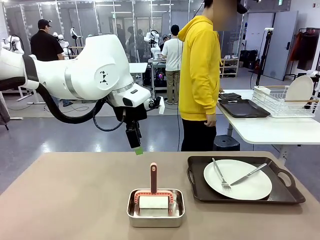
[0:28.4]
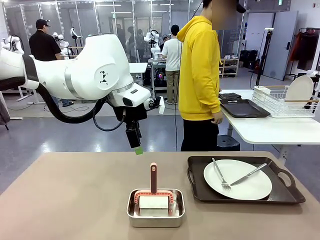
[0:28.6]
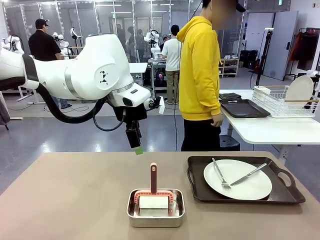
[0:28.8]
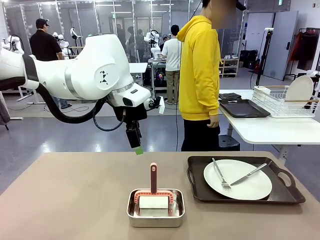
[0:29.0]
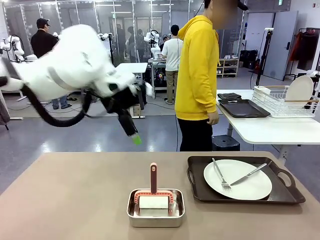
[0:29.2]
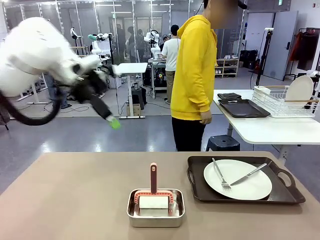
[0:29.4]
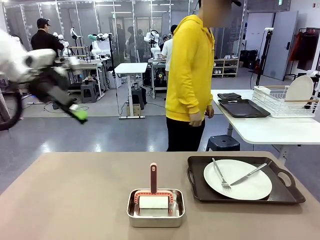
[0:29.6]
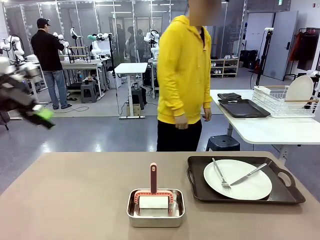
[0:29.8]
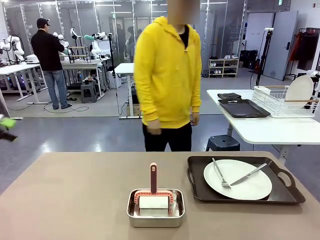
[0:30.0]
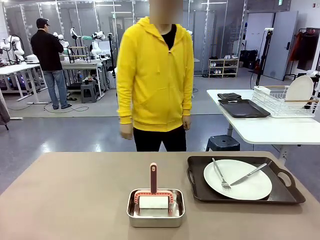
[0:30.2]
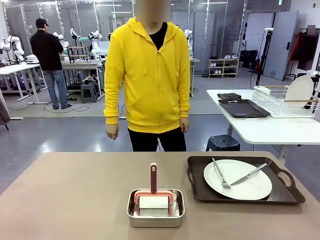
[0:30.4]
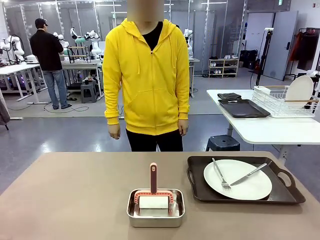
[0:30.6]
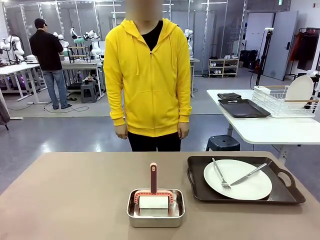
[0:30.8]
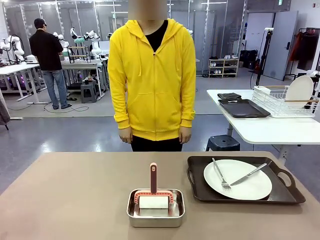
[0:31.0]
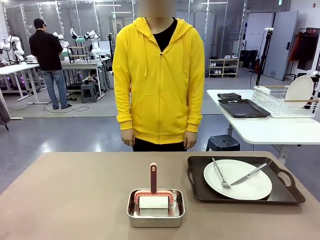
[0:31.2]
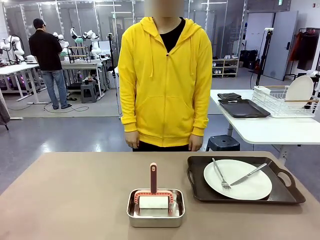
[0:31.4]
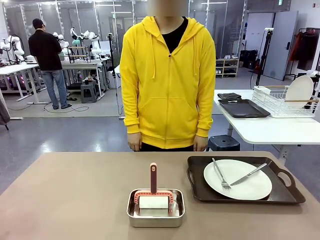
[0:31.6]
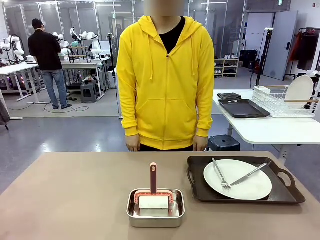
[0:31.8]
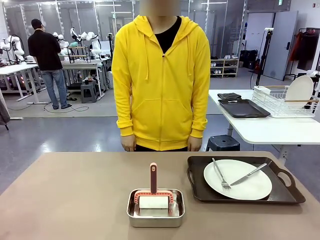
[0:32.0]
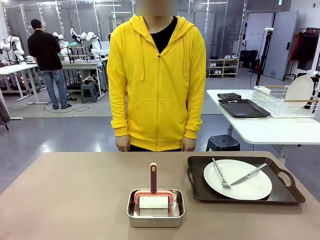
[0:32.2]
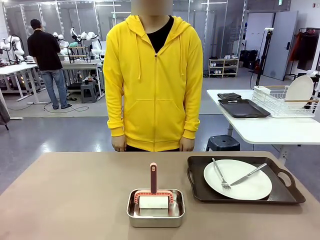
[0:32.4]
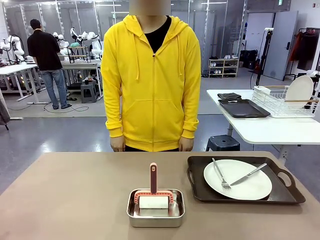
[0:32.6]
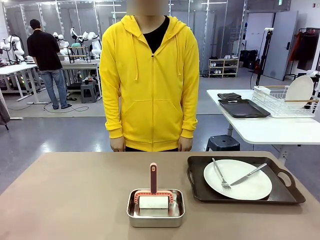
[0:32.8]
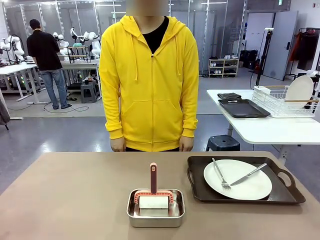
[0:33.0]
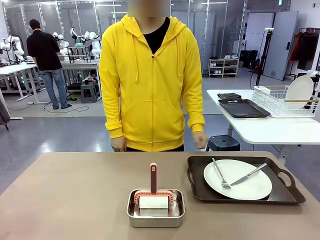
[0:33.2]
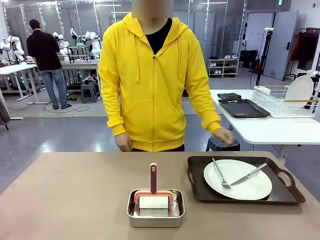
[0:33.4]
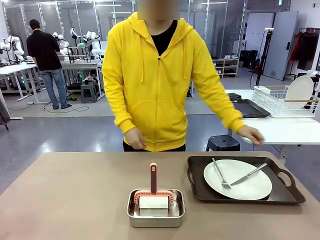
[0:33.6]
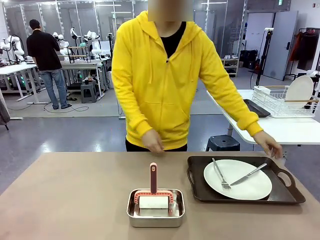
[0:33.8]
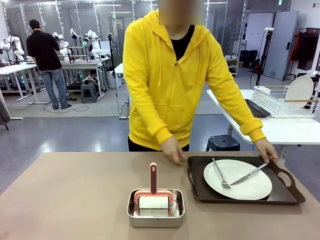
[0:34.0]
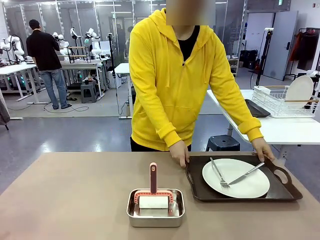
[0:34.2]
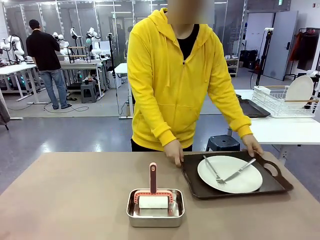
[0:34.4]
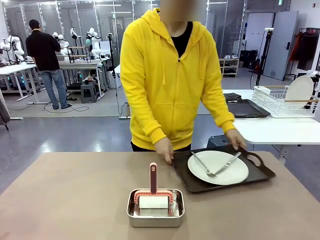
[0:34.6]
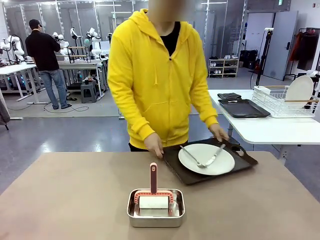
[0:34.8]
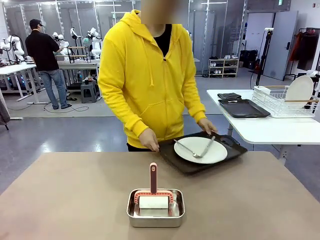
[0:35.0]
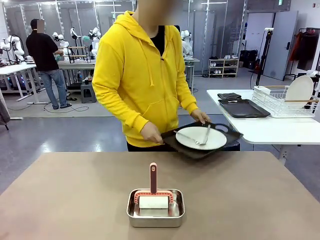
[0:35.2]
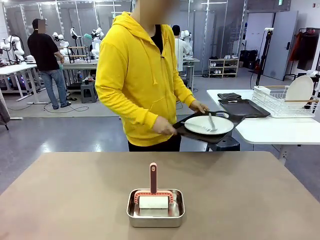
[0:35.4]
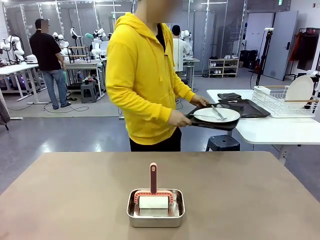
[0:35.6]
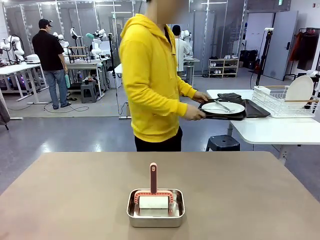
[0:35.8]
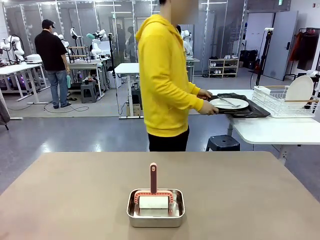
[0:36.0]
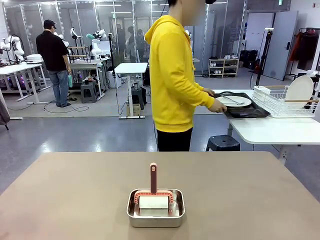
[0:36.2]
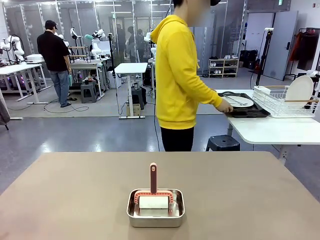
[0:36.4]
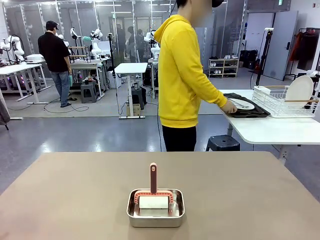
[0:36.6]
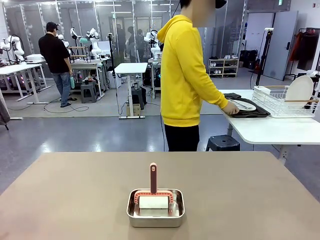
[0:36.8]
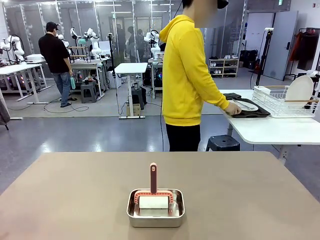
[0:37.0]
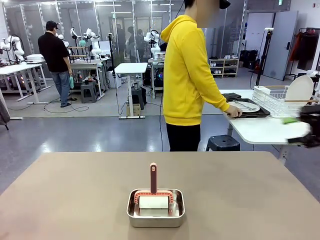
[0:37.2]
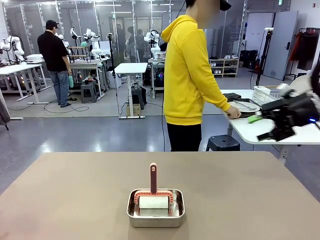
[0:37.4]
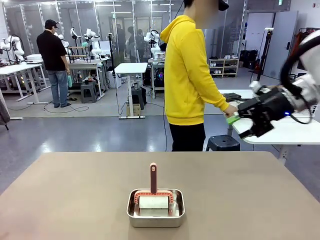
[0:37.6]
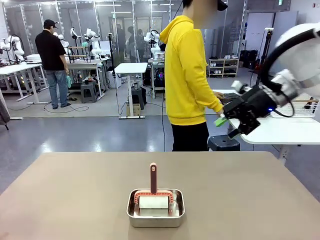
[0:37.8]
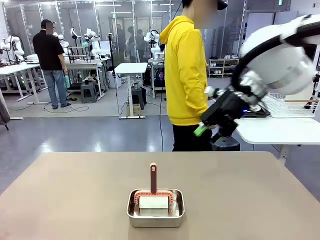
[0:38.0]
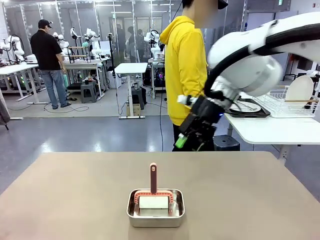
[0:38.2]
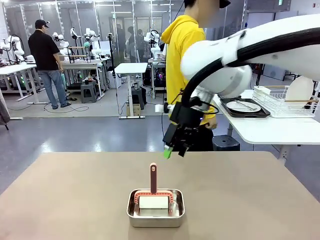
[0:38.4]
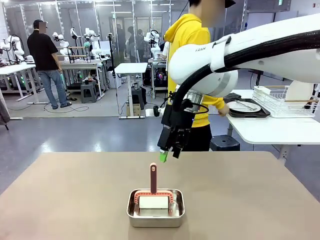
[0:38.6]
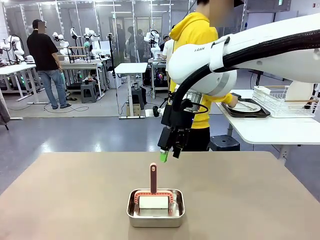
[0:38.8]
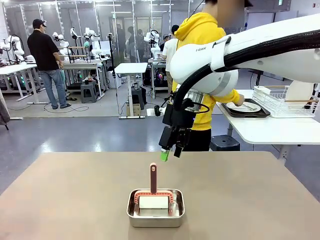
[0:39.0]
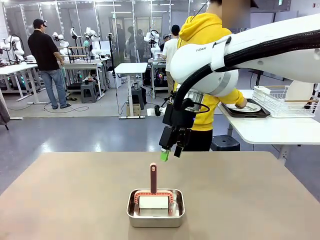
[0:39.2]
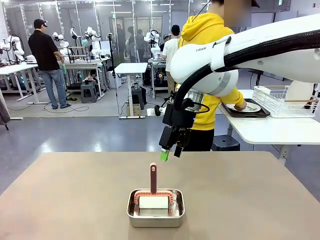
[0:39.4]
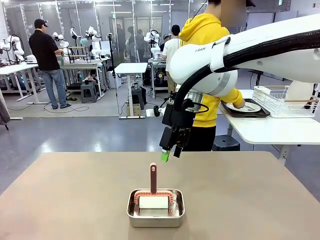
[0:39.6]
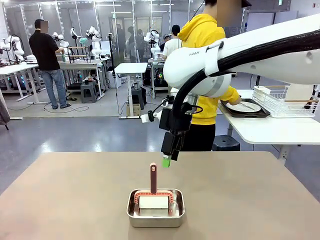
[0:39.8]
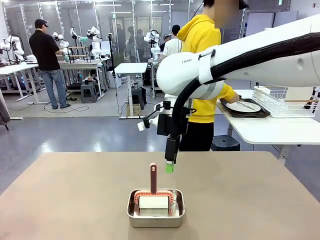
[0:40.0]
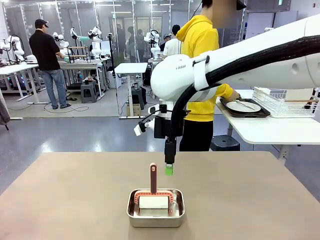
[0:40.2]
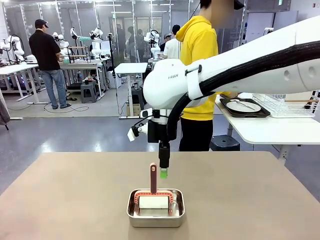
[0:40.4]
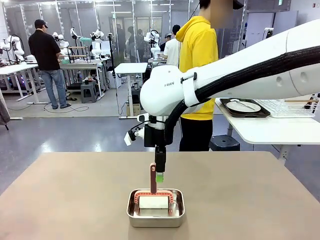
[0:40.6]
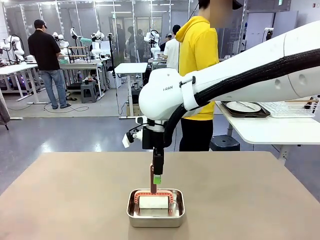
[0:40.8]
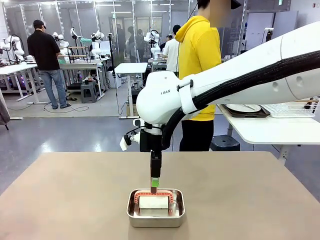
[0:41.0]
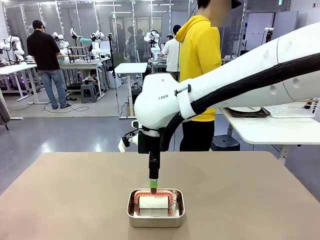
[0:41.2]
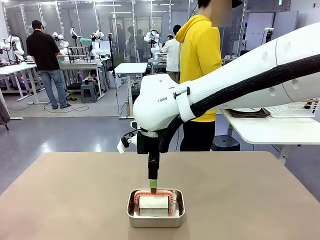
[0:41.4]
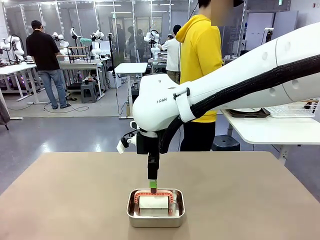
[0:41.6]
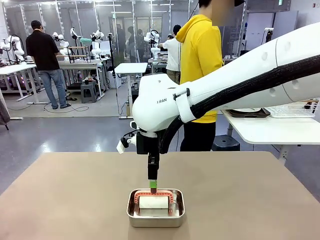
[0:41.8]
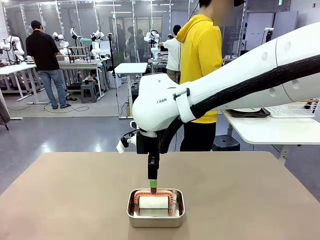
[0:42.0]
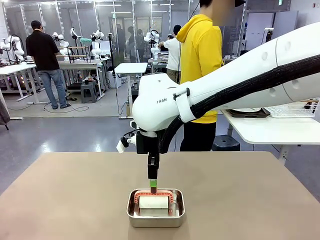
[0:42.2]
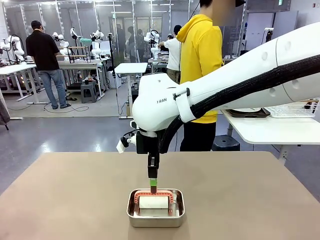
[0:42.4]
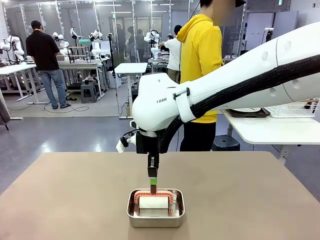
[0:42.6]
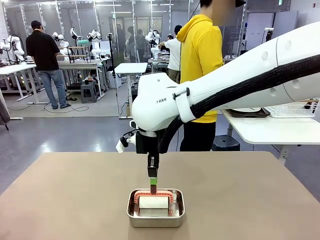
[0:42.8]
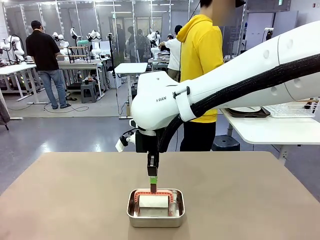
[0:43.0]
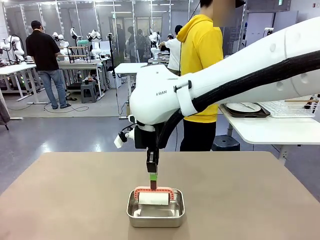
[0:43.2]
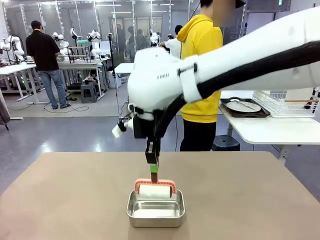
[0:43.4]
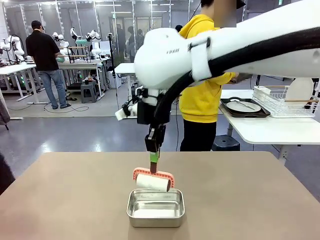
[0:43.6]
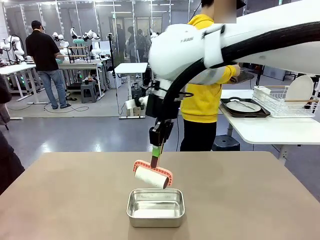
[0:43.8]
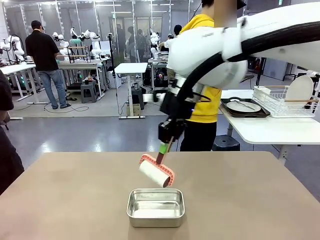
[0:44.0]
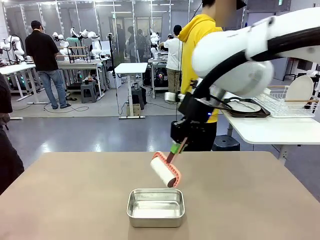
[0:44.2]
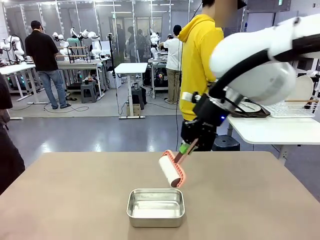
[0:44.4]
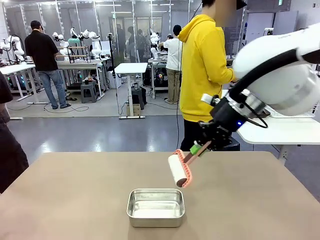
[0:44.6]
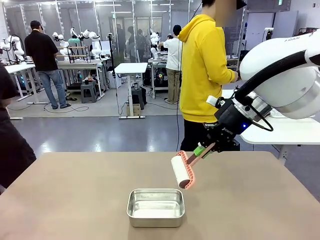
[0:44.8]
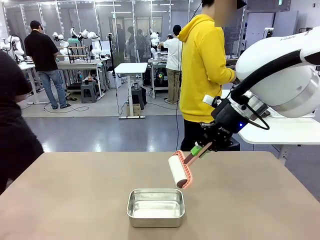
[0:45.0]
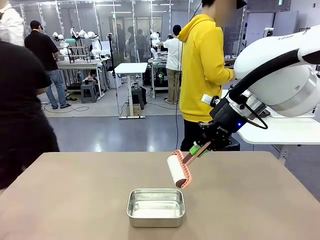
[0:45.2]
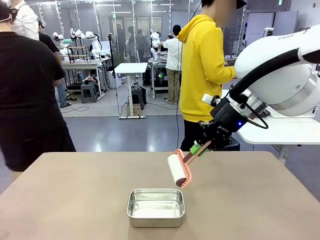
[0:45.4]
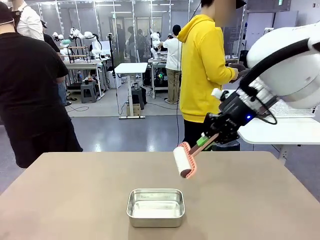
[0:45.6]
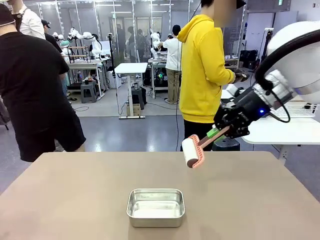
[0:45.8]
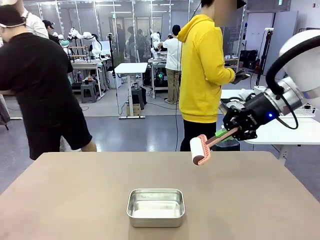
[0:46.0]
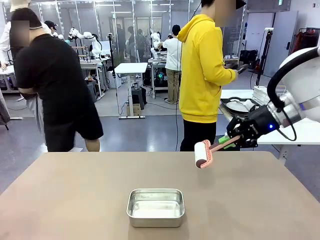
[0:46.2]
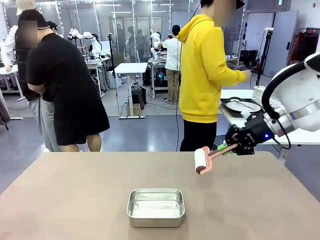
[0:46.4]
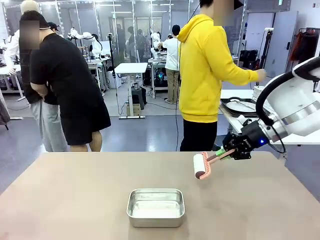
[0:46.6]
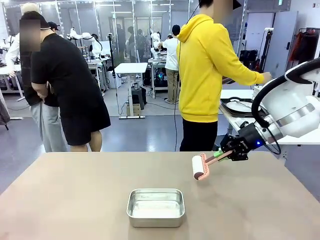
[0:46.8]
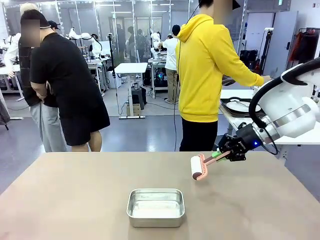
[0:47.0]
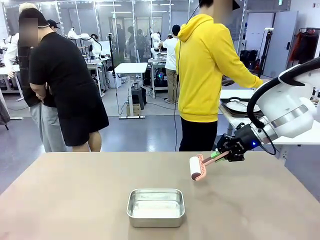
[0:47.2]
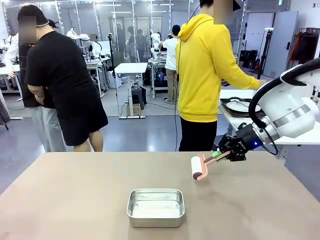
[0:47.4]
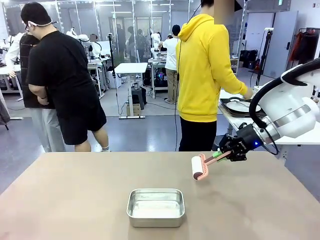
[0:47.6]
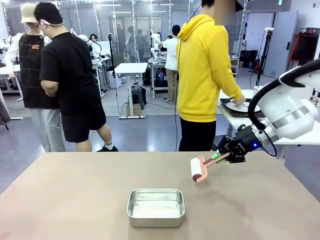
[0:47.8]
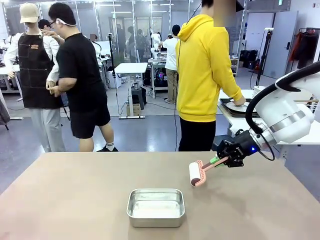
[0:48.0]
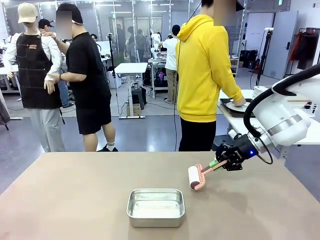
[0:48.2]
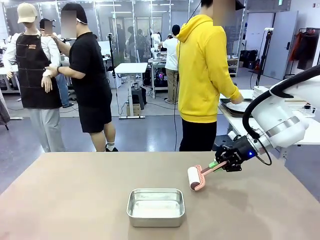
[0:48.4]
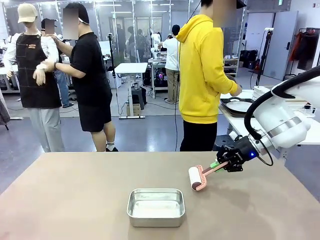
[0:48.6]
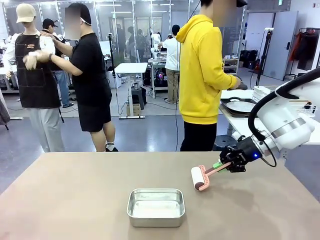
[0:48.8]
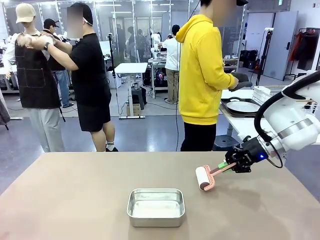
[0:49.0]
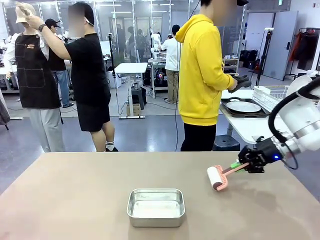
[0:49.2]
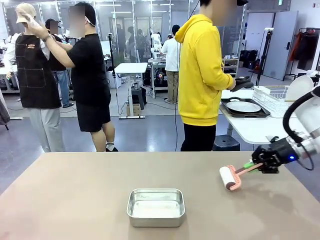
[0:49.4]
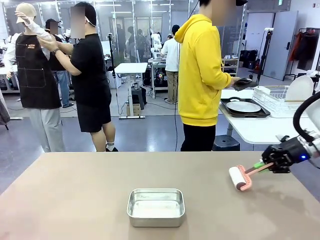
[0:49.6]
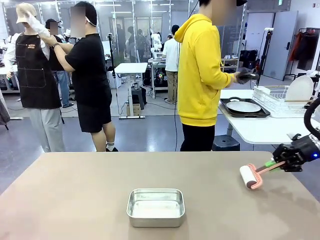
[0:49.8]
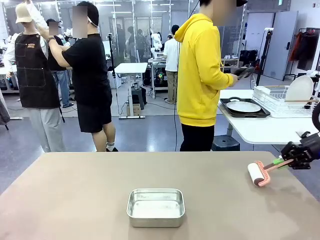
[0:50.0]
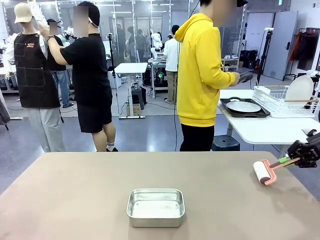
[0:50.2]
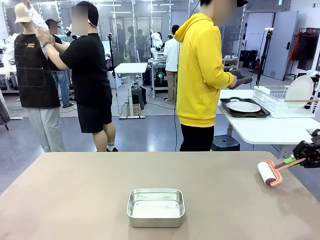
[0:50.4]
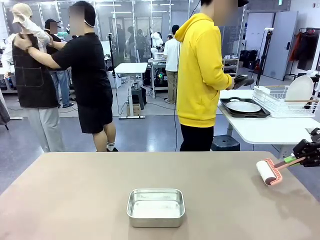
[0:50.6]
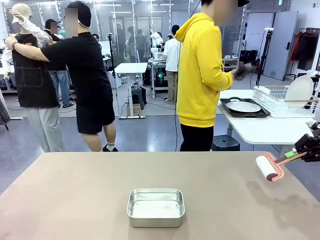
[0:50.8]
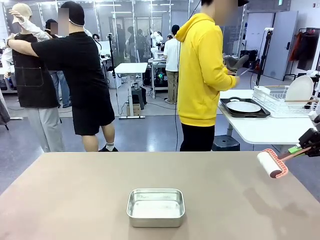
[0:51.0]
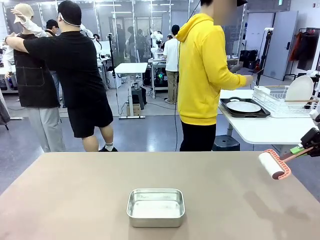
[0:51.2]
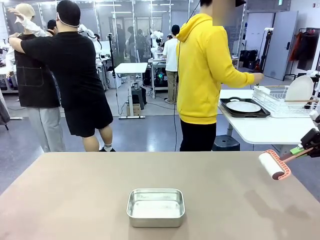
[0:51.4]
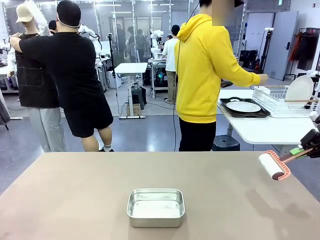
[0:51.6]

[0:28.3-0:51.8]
Robot: When the right (or left) Handle tray is removed, use the right hand (or left hand) to clean the right (or left) side of the table with the Lint Roller.
Person: Pick up the left (or right) Handle tray and place it on the Handle tray.
